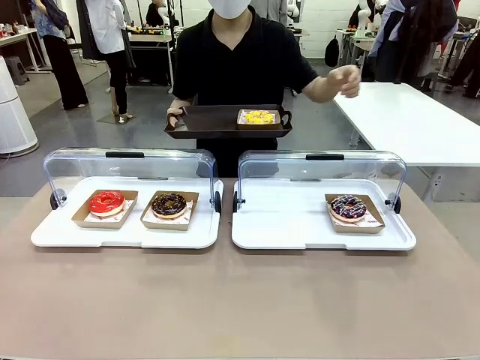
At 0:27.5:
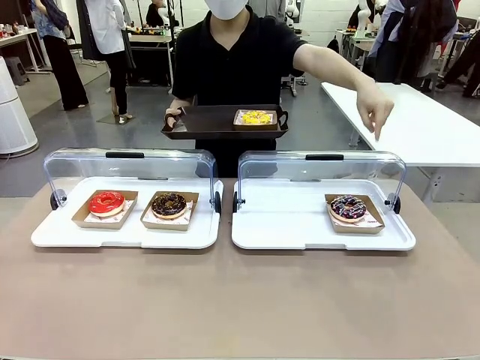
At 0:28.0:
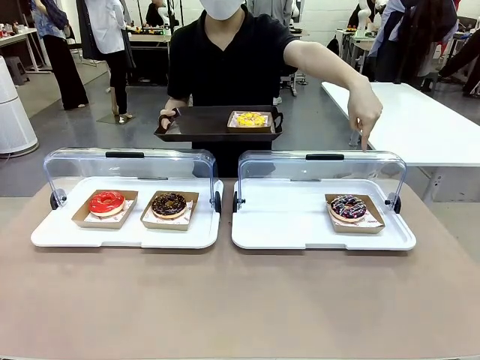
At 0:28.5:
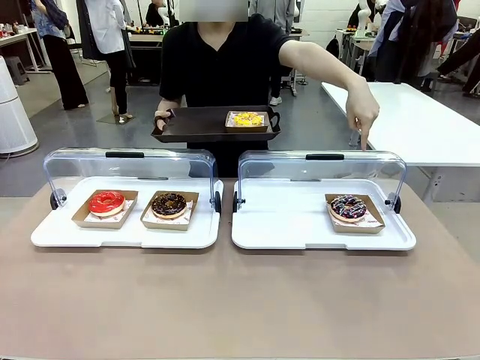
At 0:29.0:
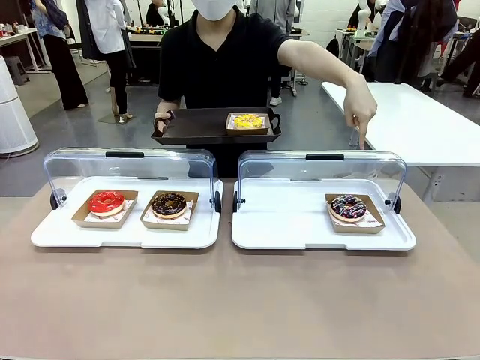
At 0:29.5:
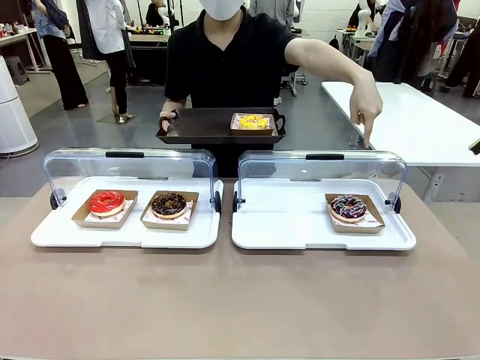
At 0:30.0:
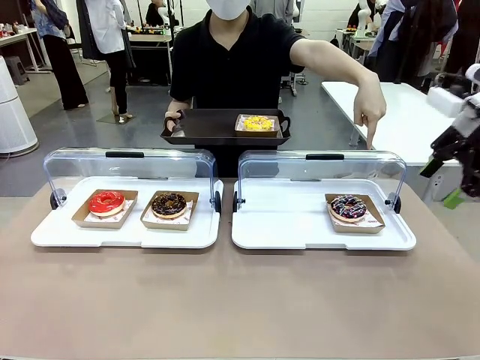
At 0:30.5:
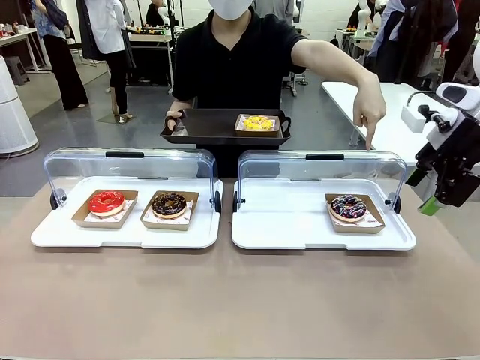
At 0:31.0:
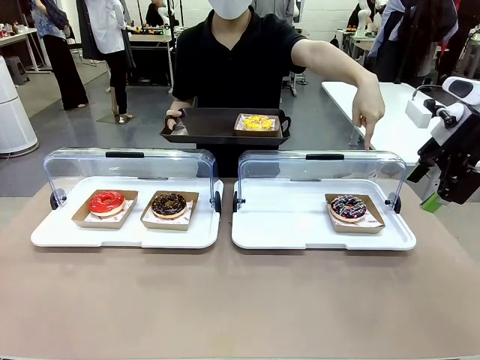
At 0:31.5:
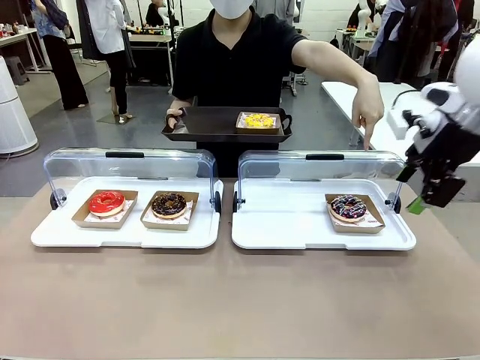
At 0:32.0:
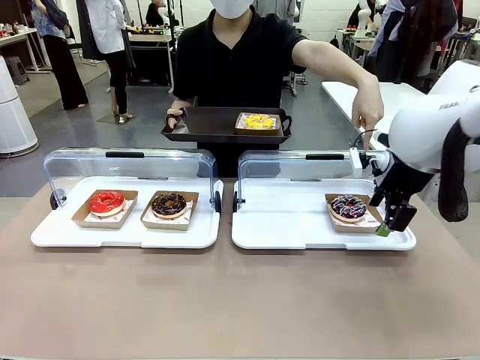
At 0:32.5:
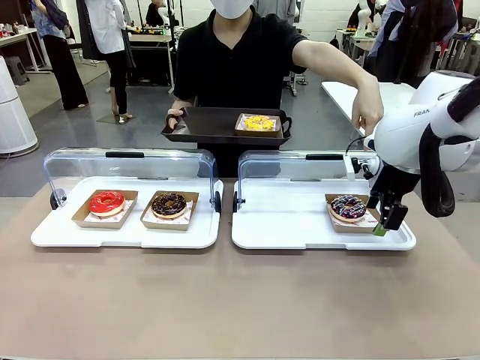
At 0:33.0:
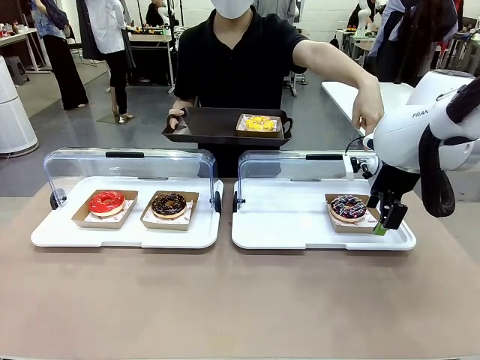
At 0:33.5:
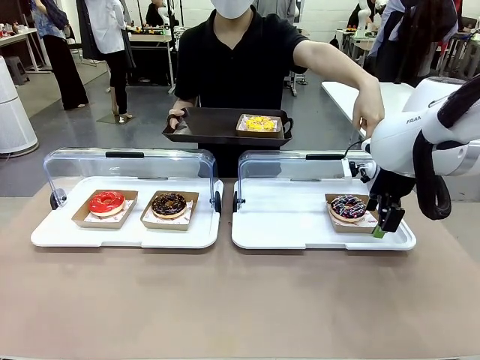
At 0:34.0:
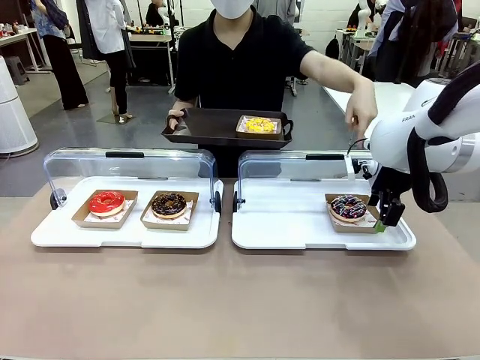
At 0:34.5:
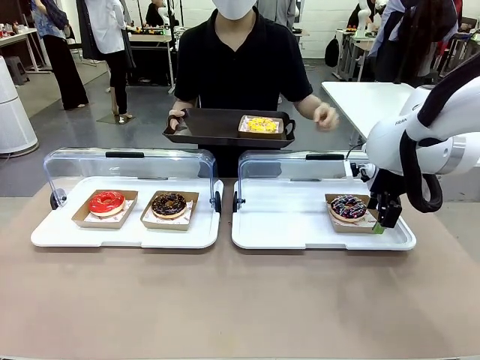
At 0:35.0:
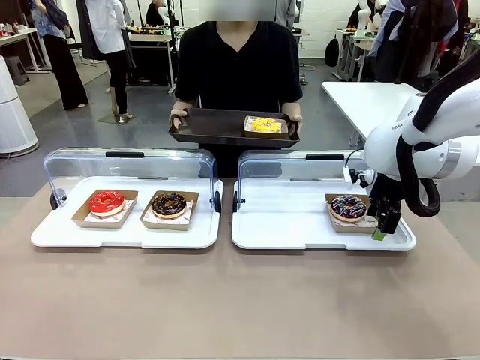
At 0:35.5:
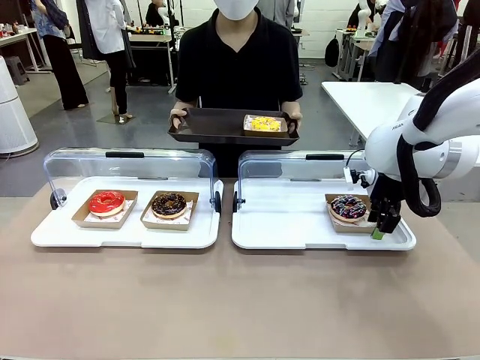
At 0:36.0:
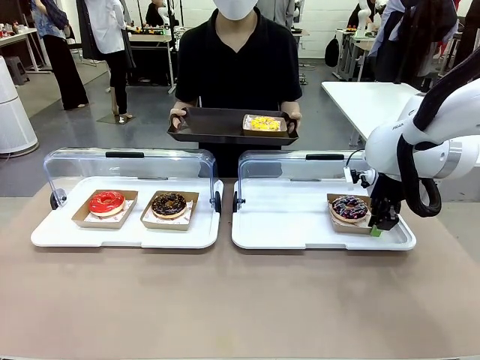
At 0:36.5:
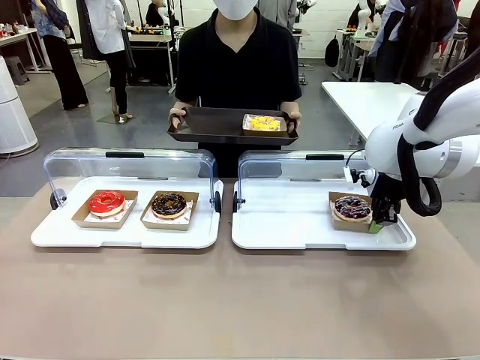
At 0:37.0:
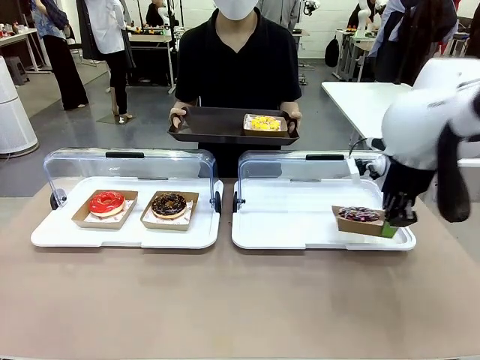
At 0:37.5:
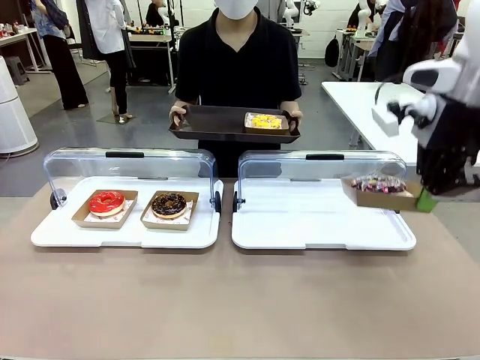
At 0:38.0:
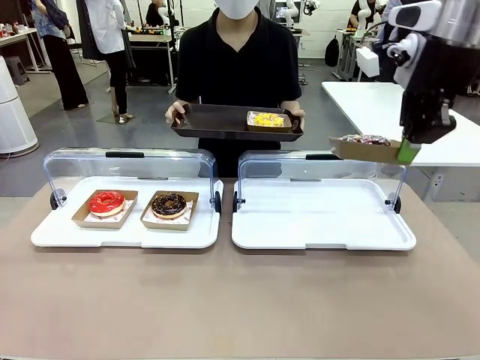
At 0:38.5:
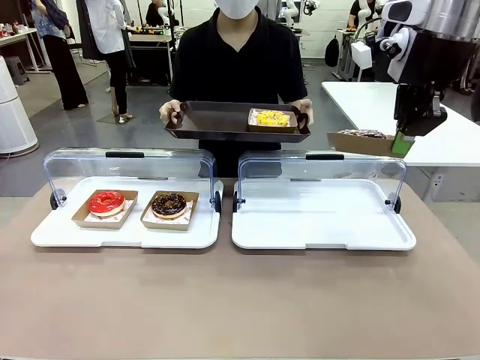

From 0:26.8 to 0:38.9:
Task: Provide the desired donut to the person.
Robot: Pick up and lift the Paper togo box containing the Donut pointed at by the person.
Person: Lift the tray onto the Roll-Top Bakery Case.

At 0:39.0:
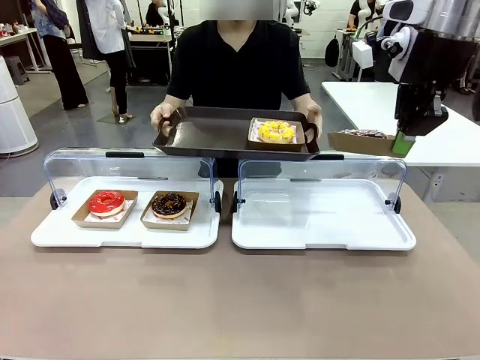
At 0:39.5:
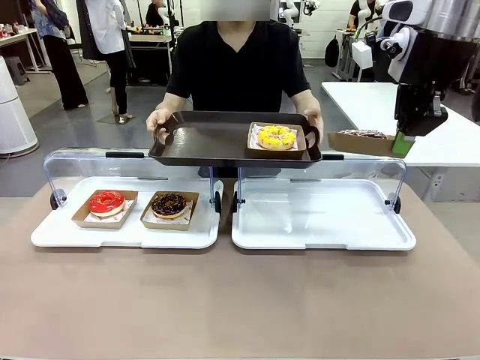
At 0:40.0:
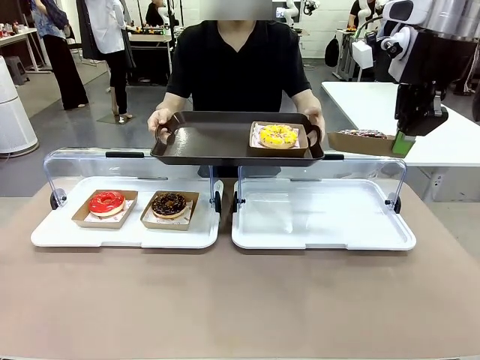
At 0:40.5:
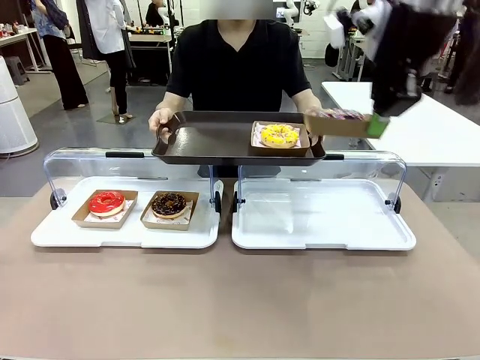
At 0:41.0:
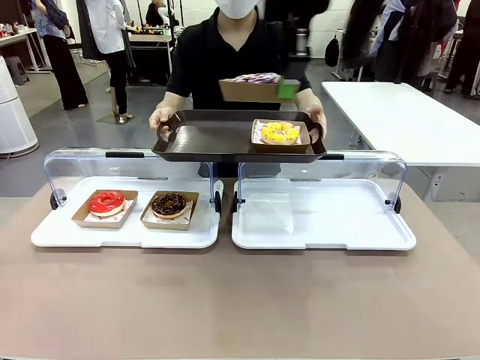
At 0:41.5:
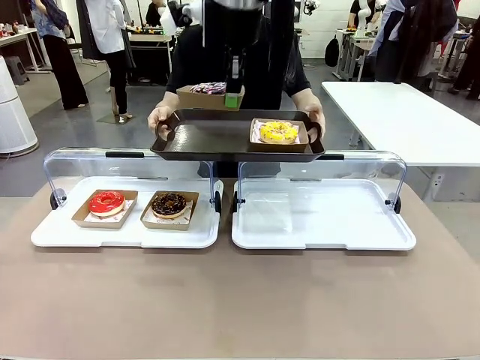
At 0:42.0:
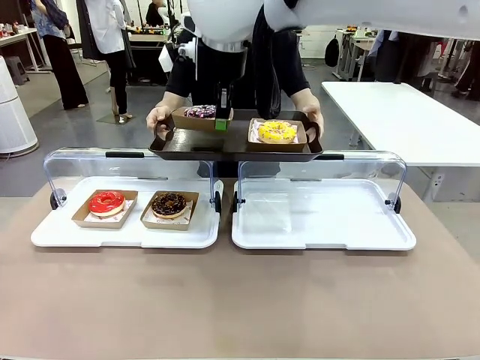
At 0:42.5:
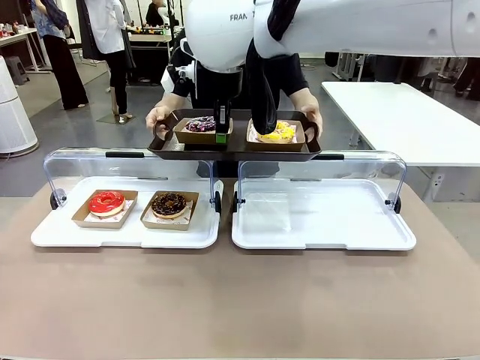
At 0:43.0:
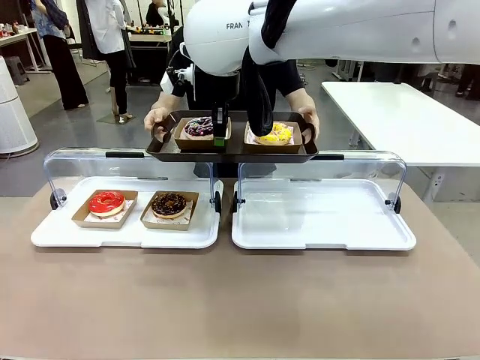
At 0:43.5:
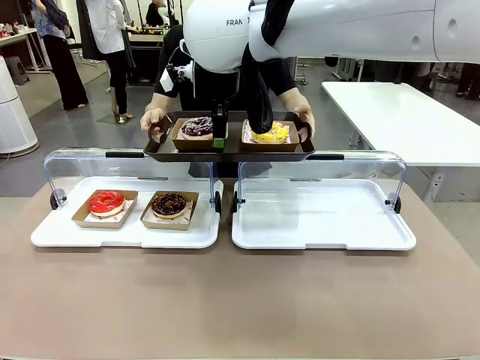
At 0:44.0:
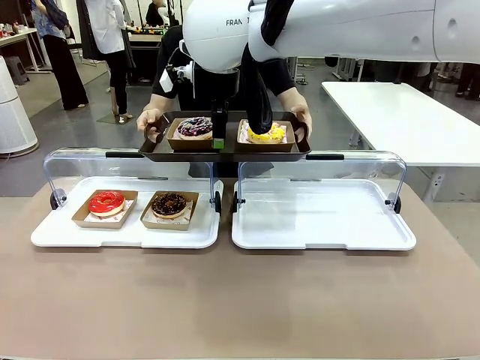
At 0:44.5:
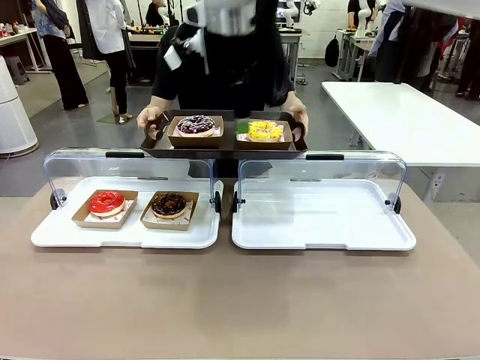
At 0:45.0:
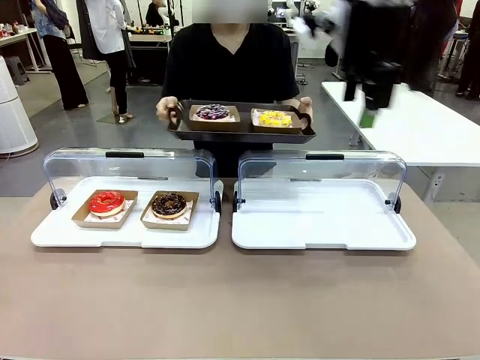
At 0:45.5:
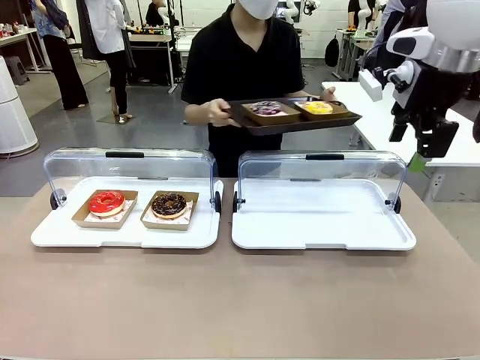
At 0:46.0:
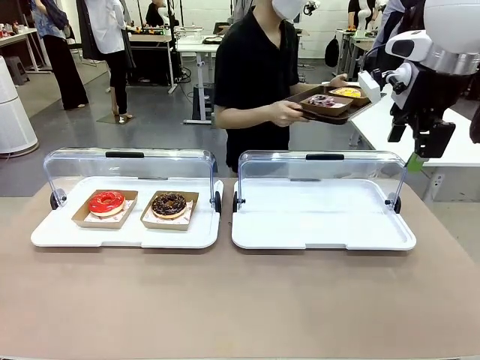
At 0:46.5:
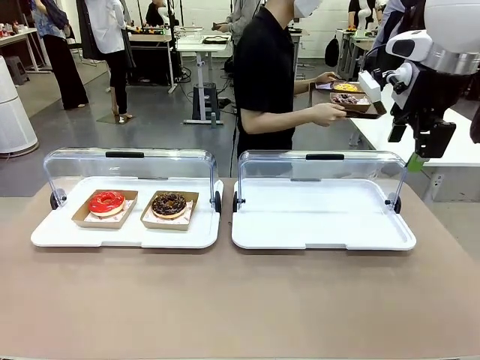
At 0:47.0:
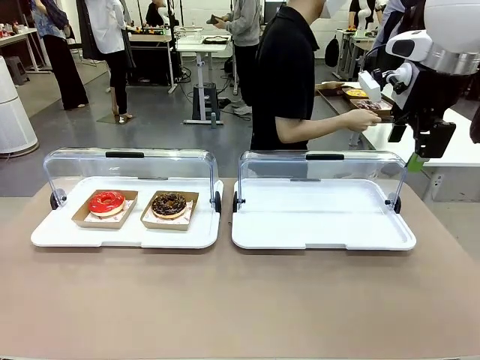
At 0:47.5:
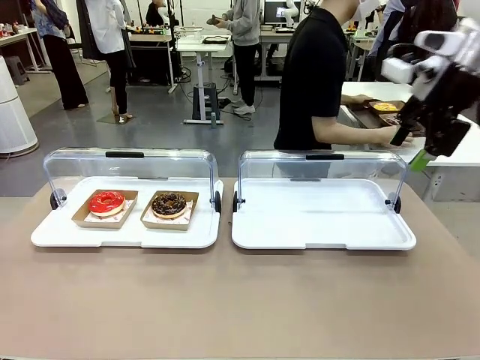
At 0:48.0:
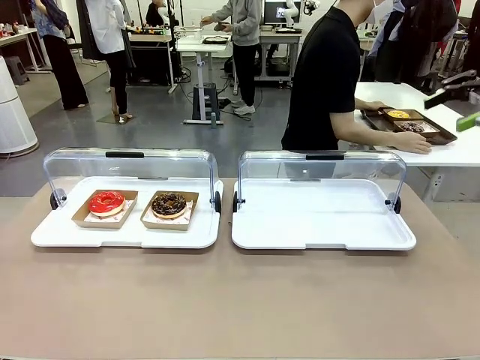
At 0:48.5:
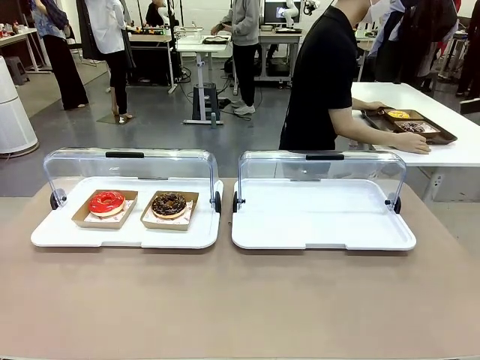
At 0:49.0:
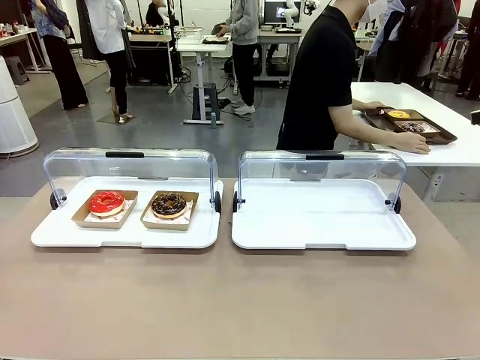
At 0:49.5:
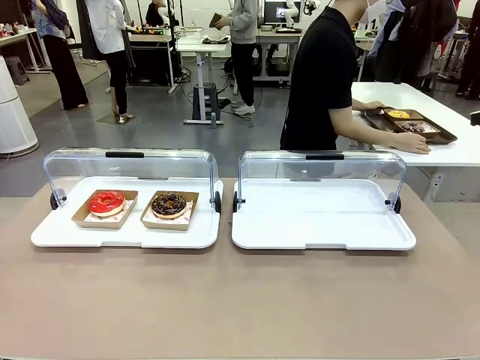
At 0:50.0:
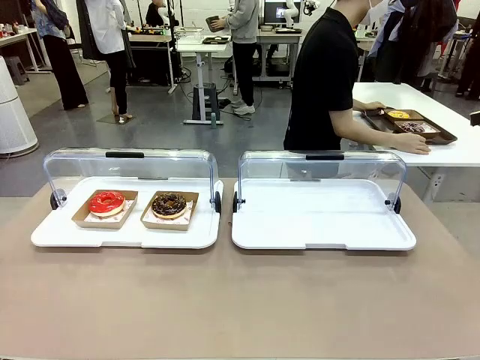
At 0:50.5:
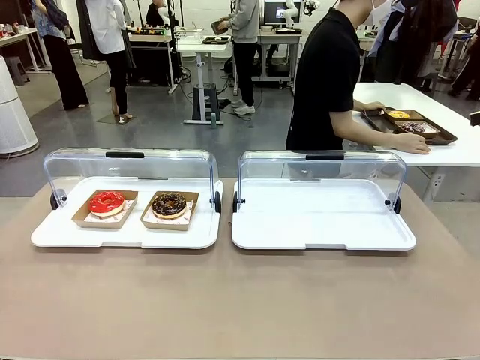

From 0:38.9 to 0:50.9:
Robot: Place the picked Paper togo box onto the Handle tray extended by the person.
Person: Place the tray in the middle of the human table.
